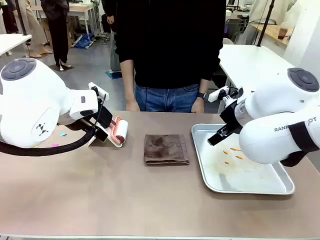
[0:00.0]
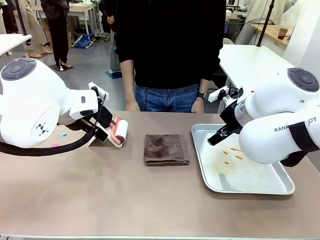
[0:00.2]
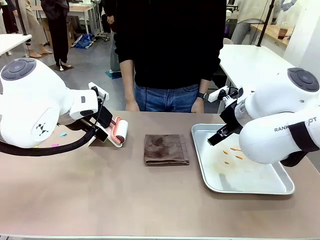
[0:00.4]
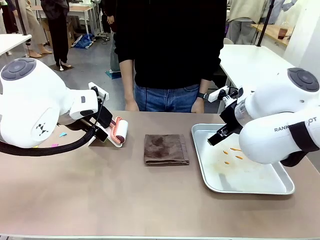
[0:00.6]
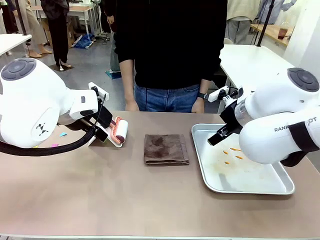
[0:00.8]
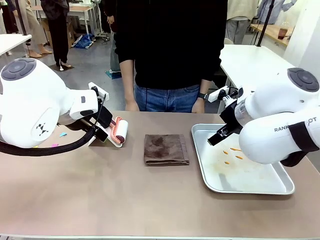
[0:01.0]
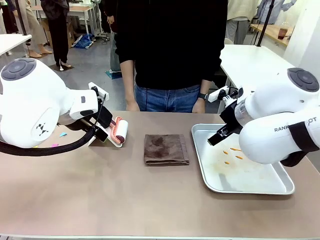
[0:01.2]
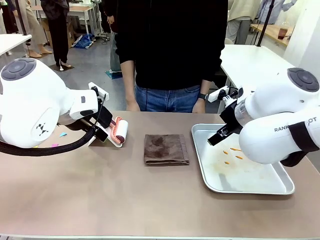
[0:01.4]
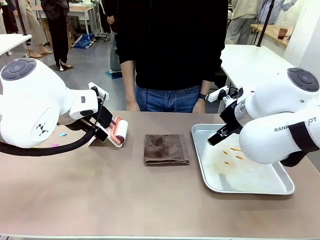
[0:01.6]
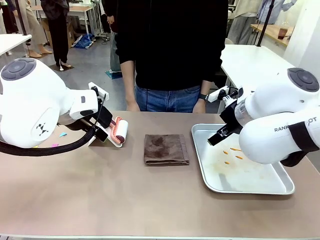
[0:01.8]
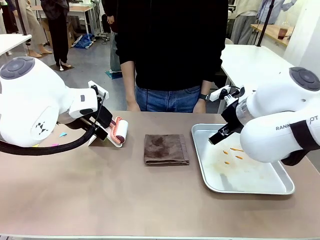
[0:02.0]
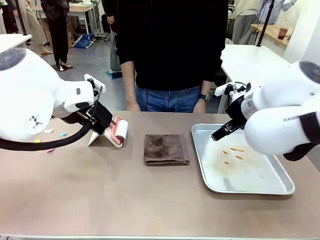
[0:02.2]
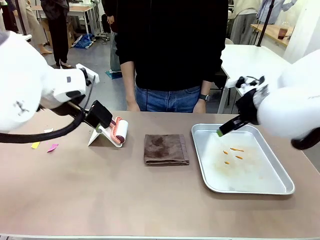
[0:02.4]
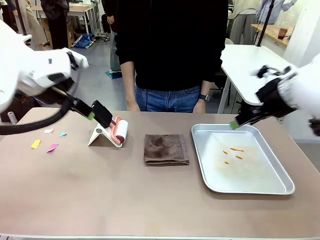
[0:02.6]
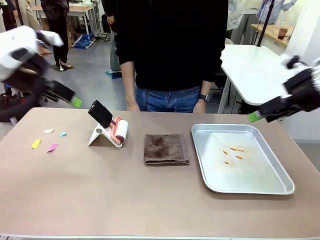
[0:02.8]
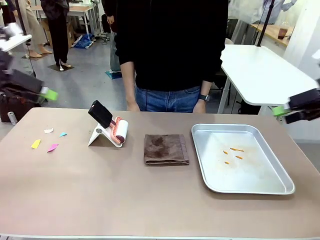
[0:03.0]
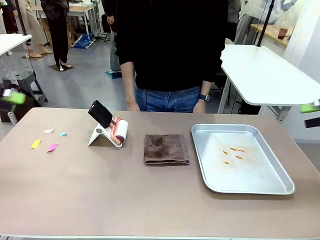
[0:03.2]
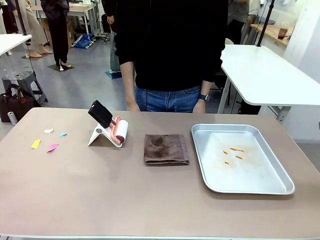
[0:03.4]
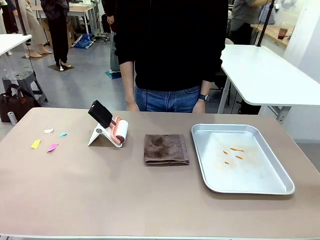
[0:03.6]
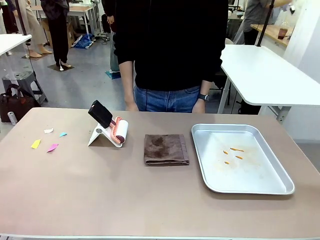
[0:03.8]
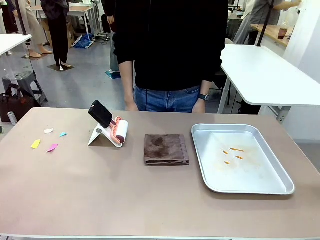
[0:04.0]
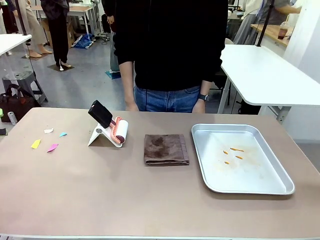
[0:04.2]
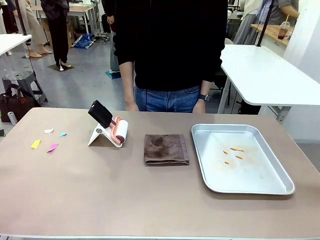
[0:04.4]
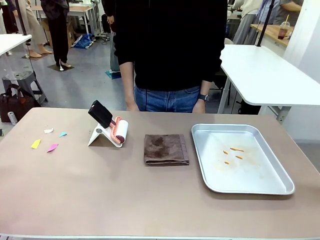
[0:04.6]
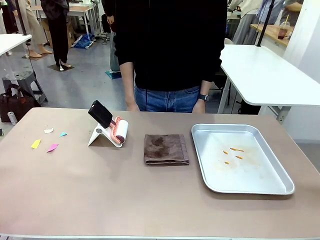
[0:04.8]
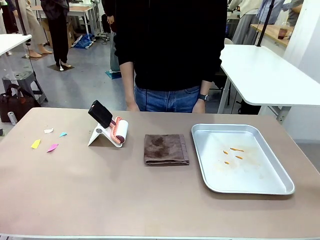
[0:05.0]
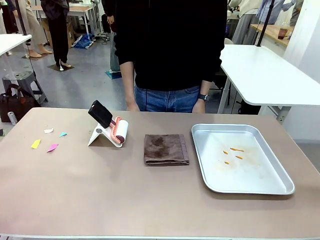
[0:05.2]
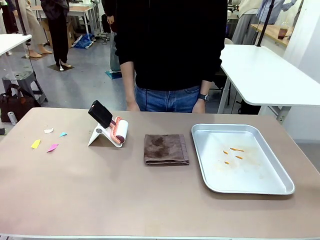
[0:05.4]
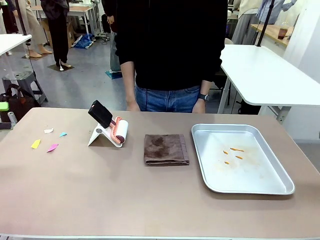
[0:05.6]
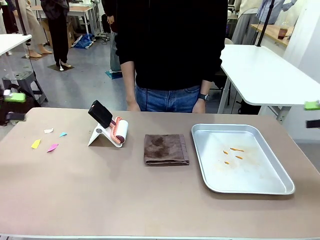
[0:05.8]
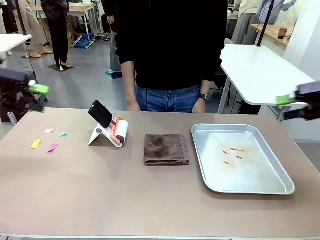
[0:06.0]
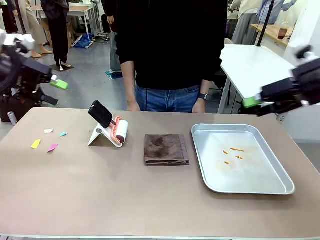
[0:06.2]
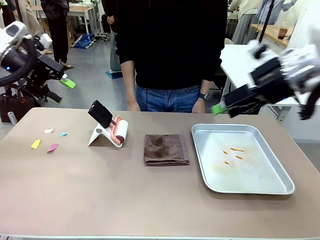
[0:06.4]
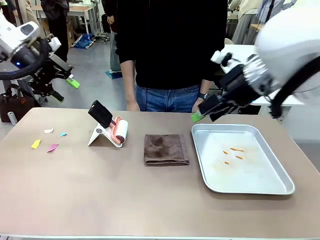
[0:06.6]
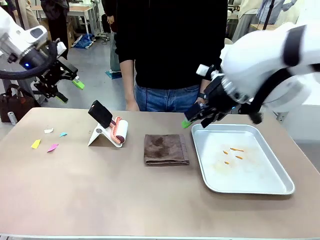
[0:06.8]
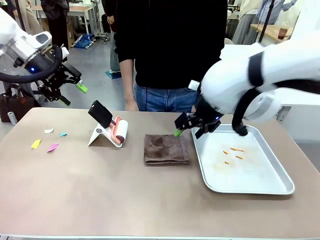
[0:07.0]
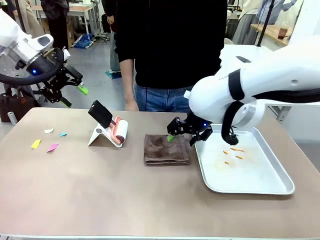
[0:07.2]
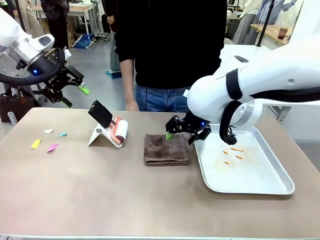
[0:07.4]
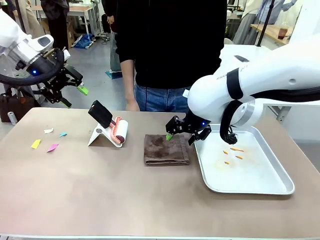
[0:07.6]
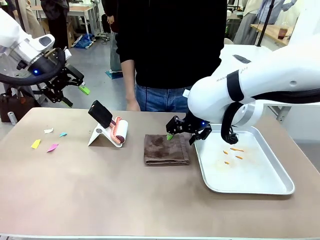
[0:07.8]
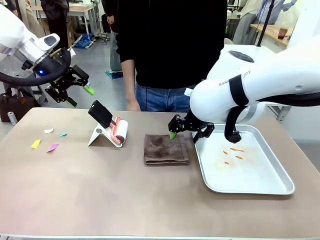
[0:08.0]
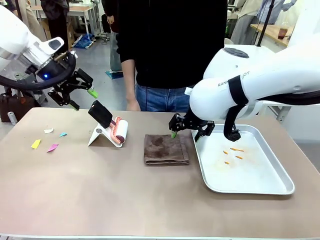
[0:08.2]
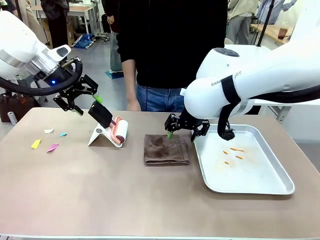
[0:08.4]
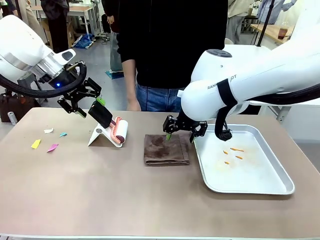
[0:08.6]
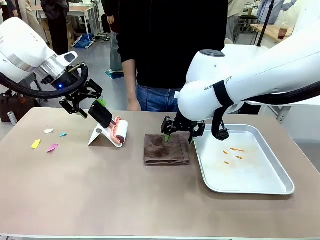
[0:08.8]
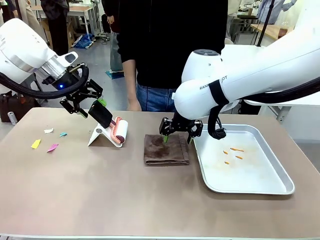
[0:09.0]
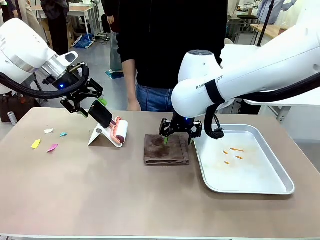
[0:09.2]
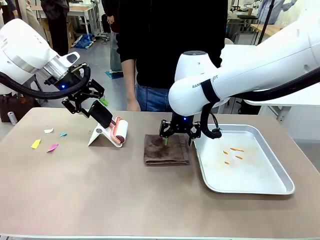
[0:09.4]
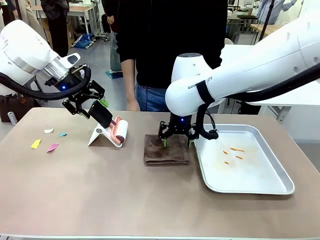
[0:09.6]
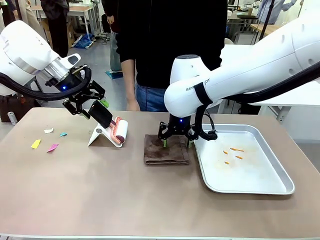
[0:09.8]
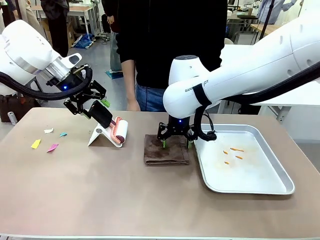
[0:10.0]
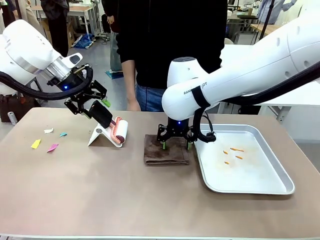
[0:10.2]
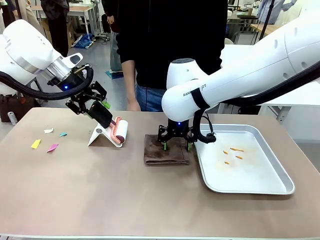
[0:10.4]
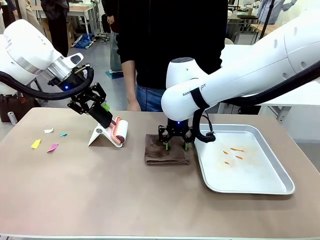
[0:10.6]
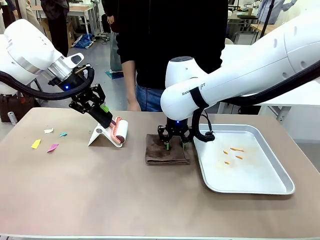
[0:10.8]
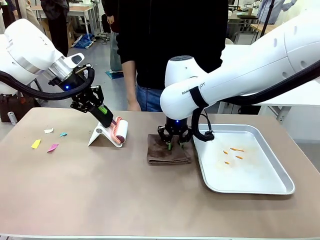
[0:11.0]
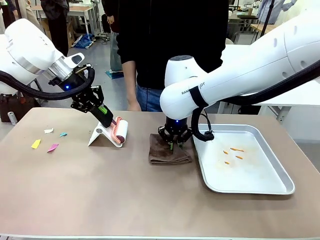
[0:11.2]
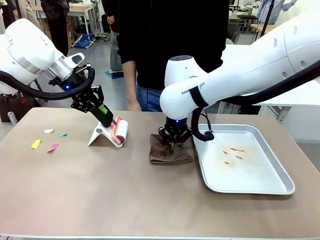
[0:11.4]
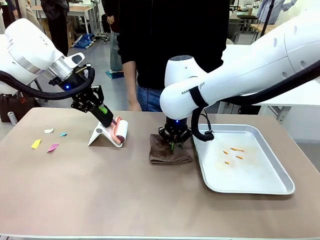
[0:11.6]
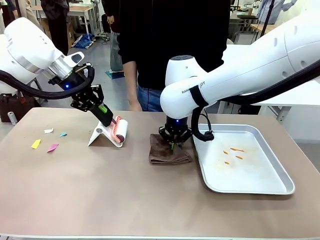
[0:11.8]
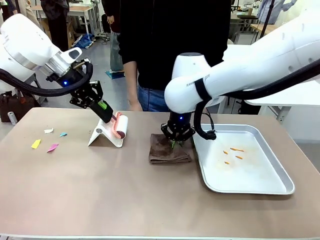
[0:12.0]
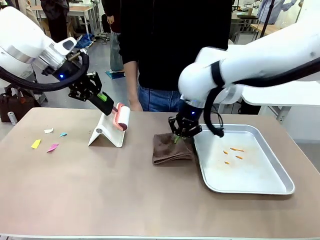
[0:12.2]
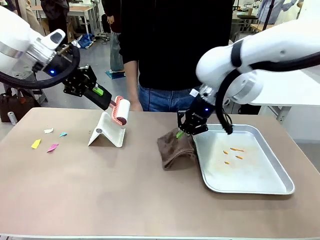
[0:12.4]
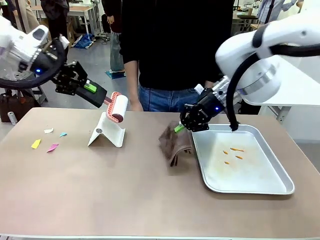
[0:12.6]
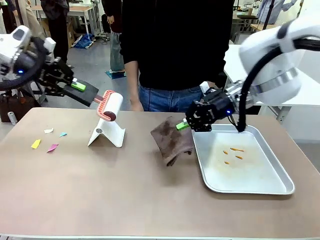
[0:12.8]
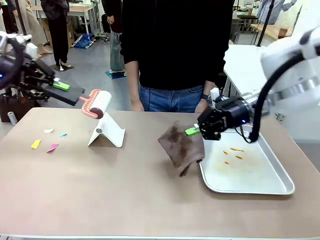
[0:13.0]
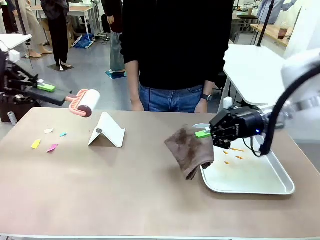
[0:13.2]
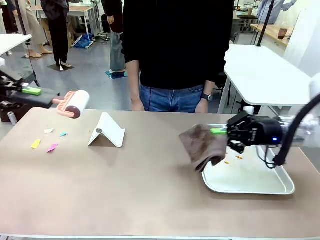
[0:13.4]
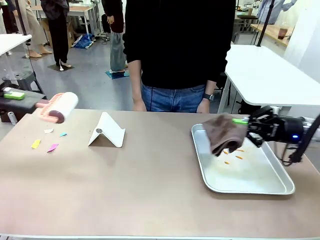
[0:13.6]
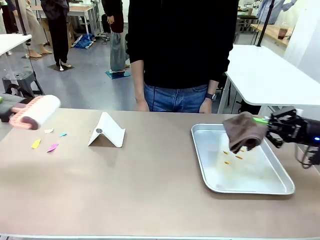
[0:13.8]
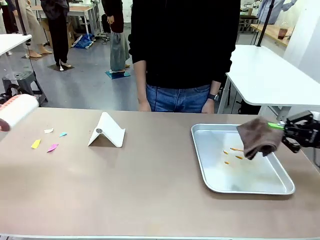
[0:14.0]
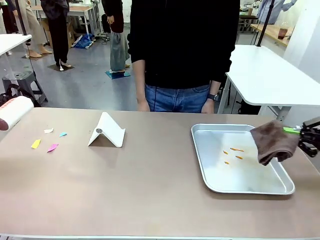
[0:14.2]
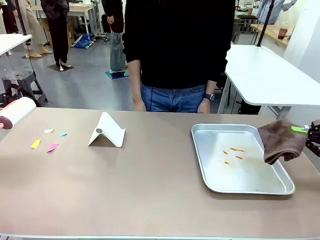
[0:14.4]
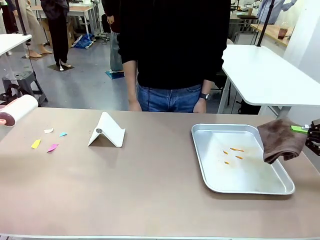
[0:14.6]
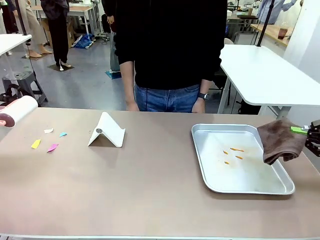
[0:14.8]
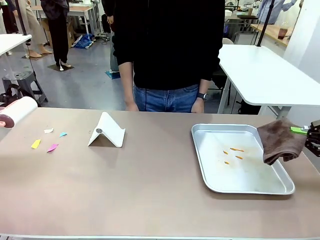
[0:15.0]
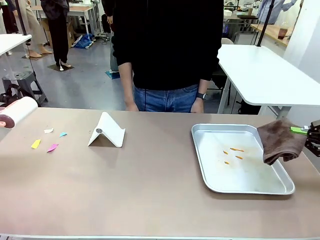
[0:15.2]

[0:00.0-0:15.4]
Task: Clean the surface of the table.
Robot: Hold the Lint Roller with your left hand and the towel with your right hand.

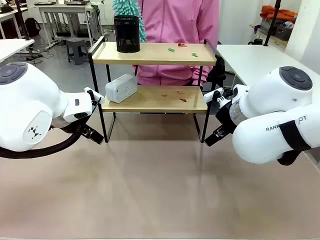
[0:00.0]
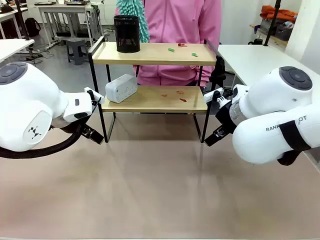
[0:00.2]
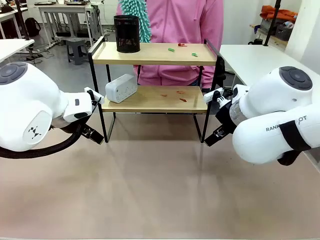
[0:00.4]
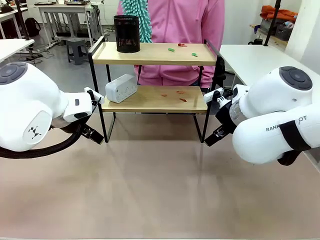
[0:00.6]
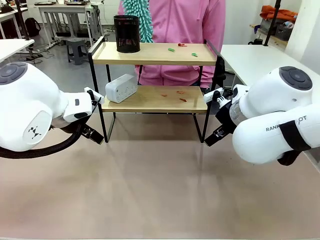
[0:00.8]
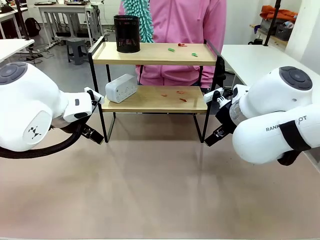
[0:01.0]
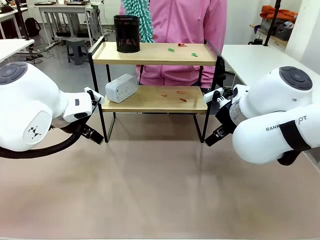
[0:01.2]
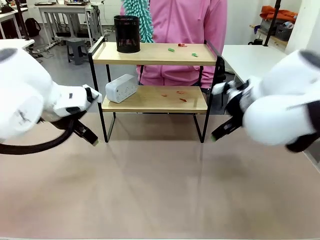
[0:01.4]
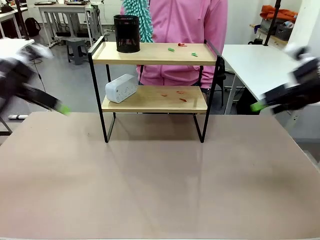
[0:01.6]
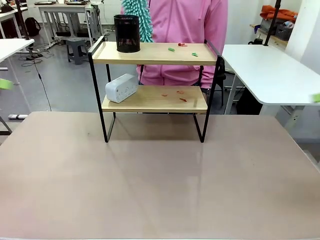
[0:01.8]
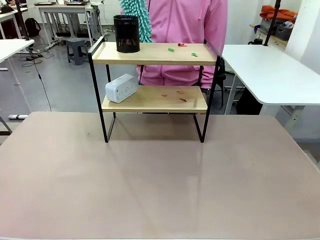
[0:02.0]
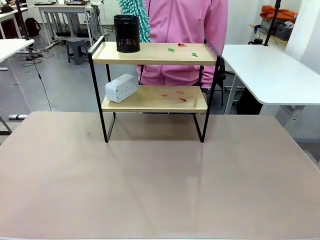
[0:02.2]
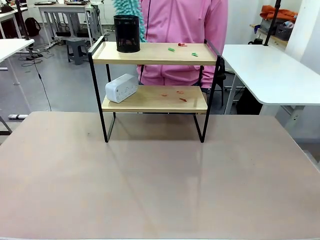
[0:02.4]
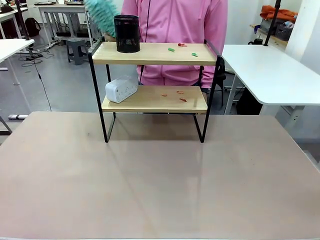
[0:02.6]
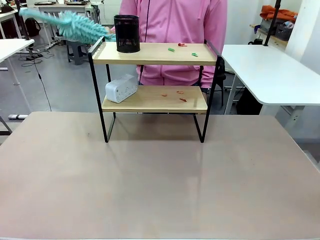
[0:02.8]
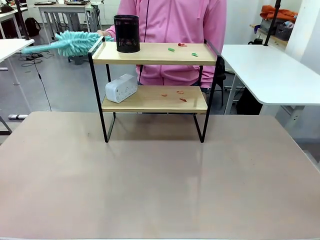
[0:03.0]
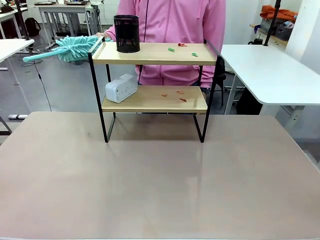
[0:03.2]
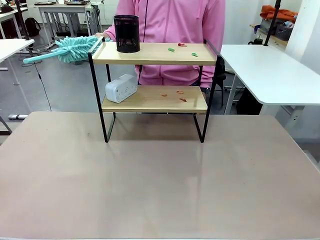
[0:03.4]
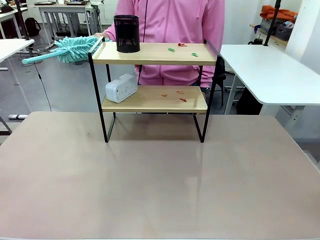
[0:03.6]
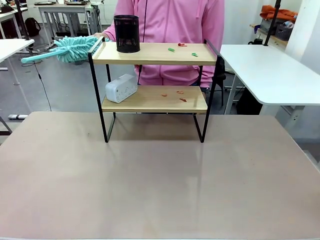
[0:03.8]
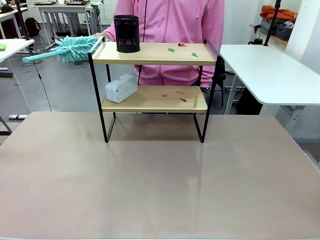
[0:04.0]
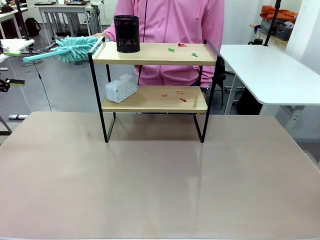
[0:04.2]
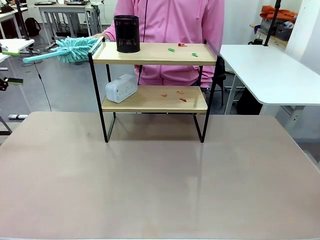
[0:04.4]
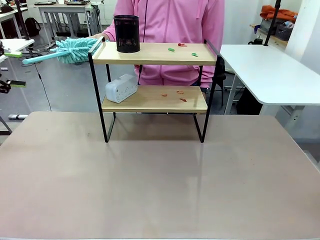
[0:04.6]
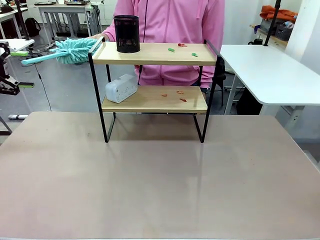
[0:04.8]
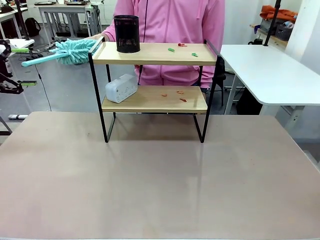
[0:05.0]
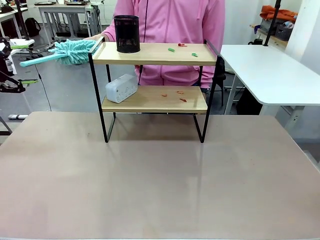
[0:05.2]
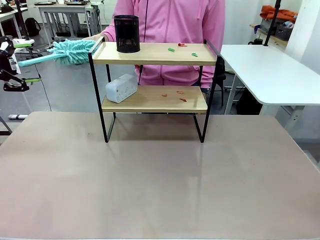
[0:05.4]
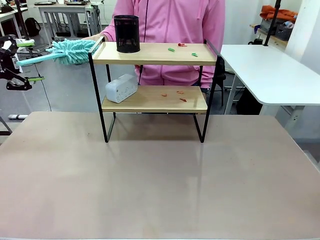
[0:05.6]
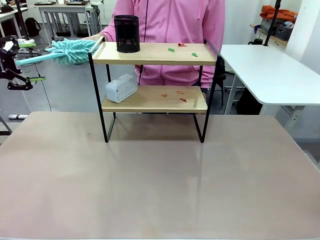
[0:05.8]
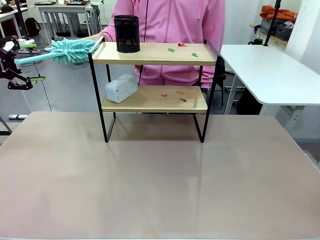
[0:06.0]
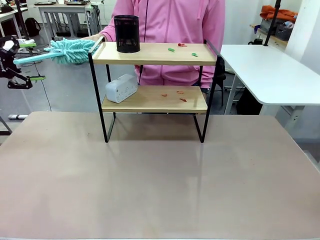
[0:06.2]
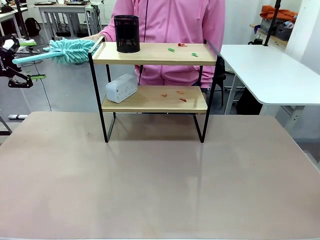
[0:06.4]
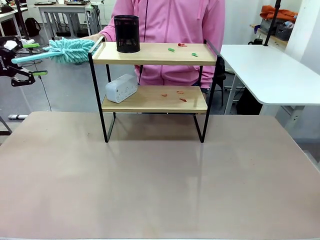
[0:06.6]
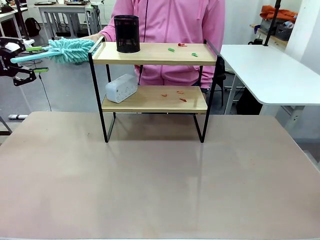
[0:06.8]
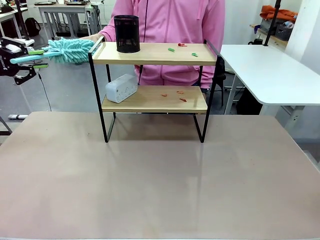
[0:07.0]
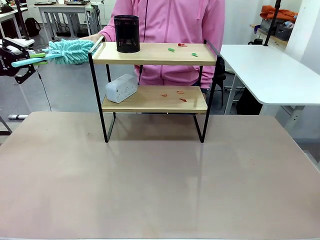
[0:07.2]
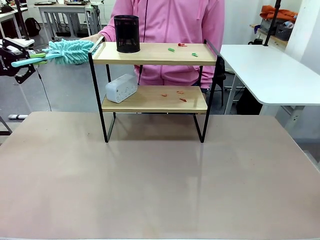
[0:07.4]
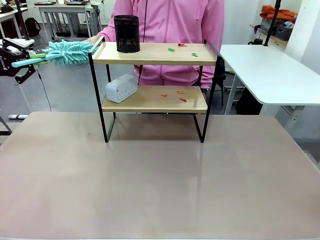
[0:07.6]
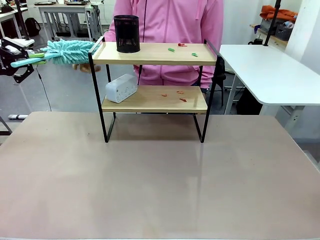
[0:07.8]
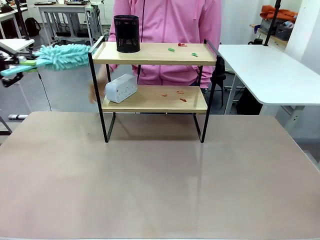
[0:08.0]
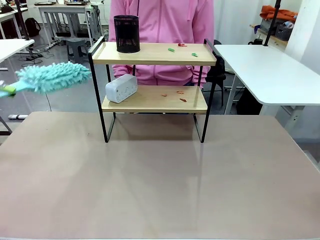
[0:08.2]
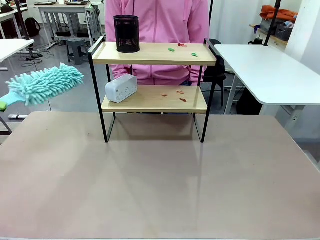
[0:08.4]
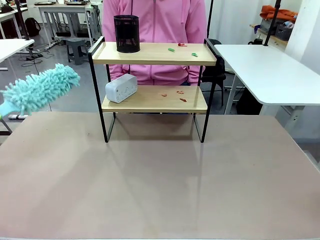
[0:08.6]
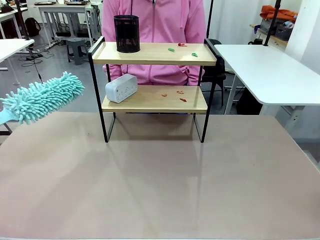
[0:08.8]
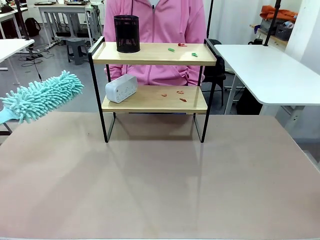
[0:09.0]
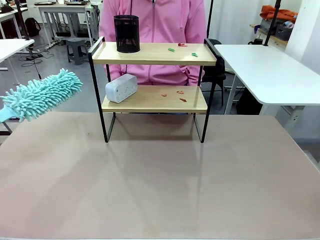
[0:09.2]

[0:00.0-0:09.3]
Task: Clean the shelf.
Robot: Pick up the Duster from the human.
Person: Hand the Duster to the robot.
